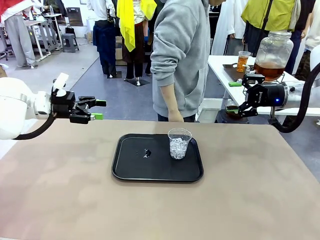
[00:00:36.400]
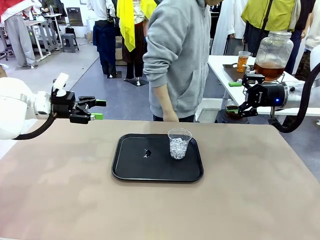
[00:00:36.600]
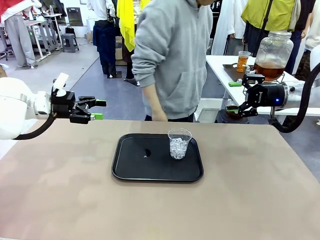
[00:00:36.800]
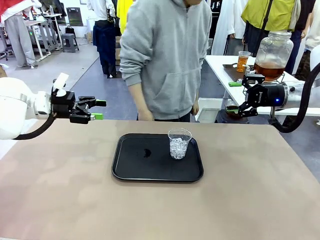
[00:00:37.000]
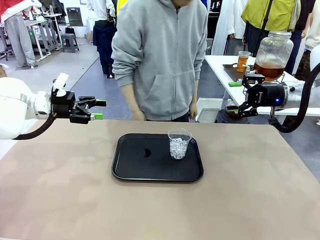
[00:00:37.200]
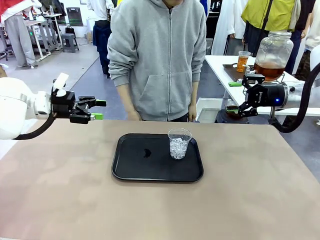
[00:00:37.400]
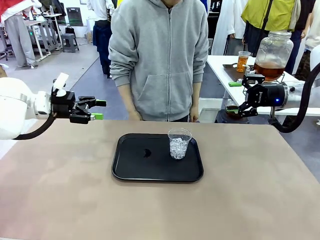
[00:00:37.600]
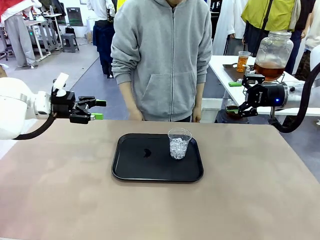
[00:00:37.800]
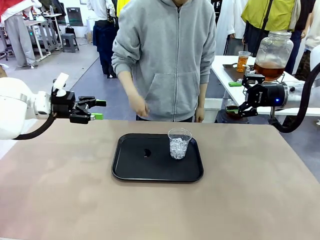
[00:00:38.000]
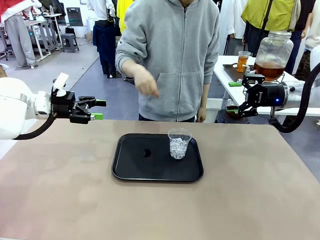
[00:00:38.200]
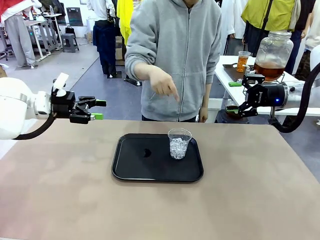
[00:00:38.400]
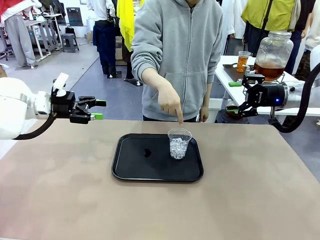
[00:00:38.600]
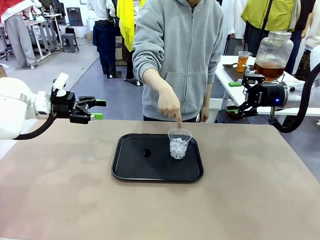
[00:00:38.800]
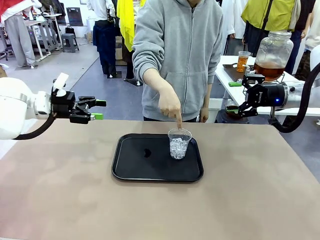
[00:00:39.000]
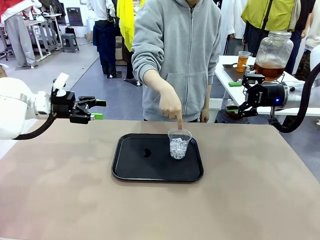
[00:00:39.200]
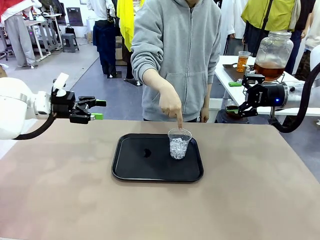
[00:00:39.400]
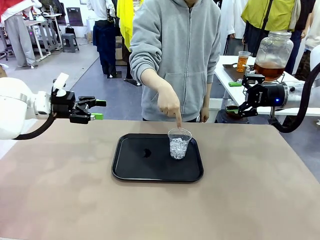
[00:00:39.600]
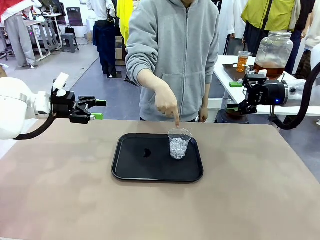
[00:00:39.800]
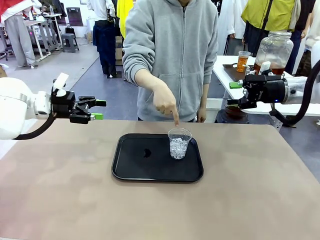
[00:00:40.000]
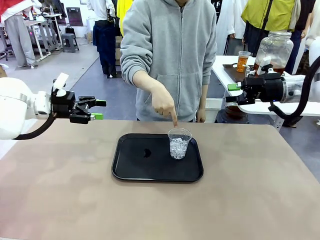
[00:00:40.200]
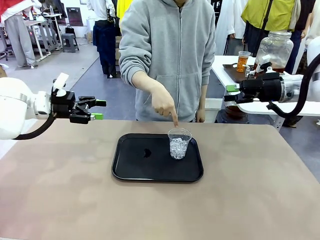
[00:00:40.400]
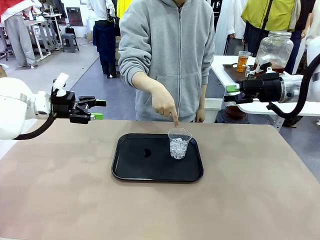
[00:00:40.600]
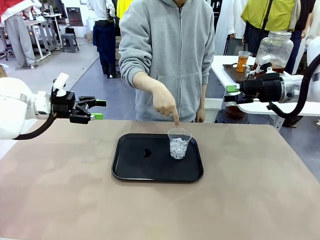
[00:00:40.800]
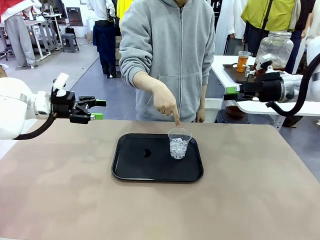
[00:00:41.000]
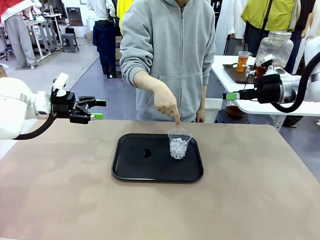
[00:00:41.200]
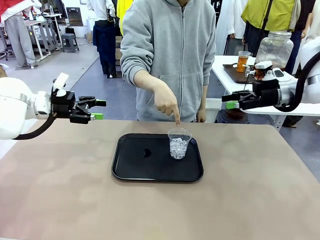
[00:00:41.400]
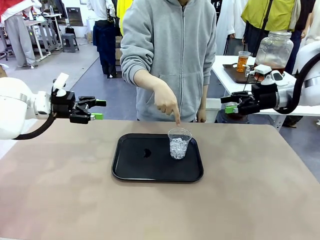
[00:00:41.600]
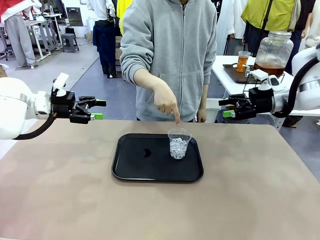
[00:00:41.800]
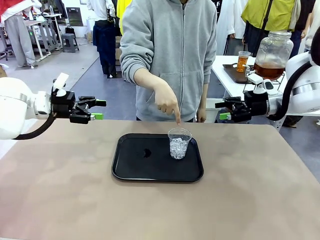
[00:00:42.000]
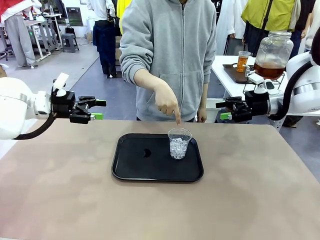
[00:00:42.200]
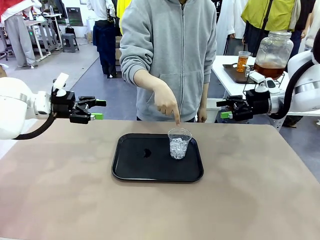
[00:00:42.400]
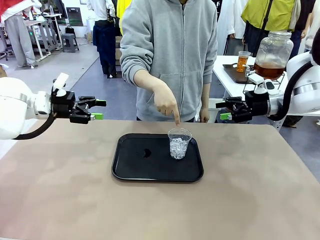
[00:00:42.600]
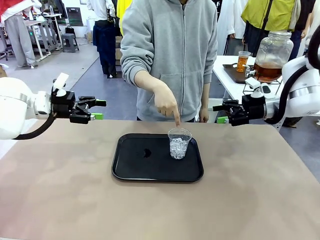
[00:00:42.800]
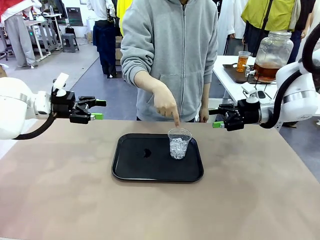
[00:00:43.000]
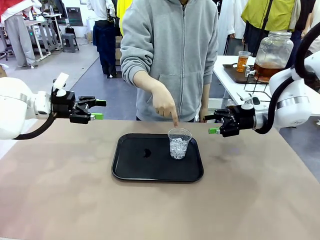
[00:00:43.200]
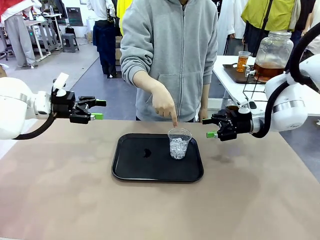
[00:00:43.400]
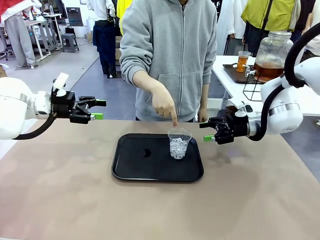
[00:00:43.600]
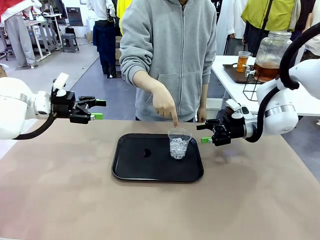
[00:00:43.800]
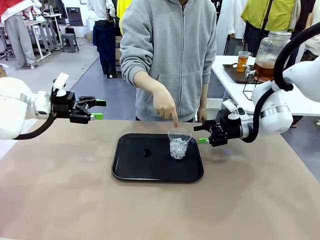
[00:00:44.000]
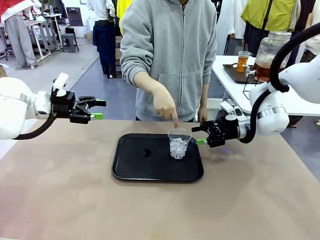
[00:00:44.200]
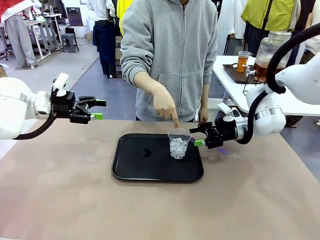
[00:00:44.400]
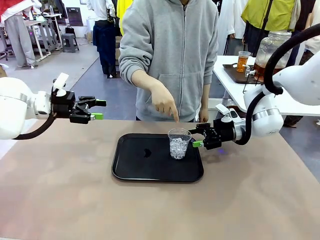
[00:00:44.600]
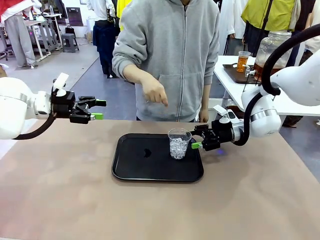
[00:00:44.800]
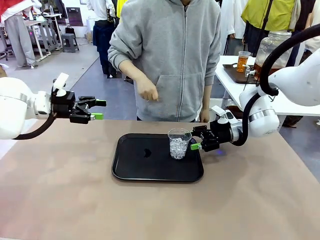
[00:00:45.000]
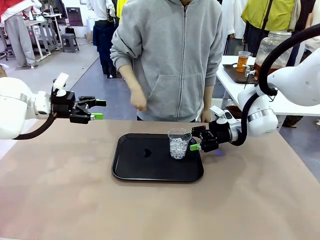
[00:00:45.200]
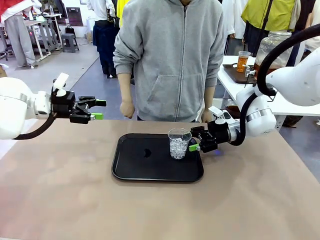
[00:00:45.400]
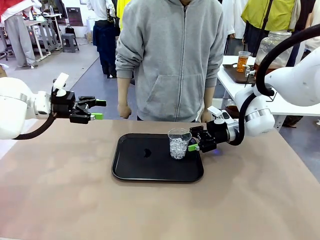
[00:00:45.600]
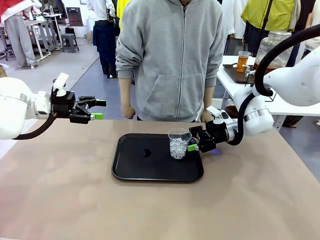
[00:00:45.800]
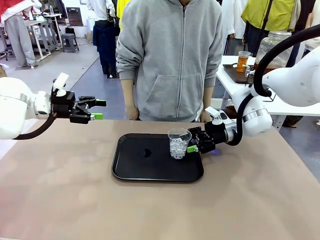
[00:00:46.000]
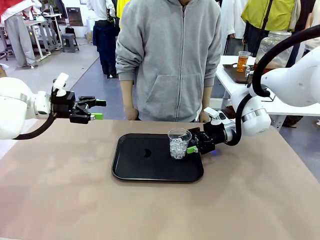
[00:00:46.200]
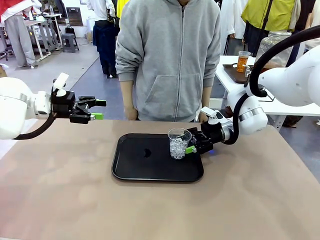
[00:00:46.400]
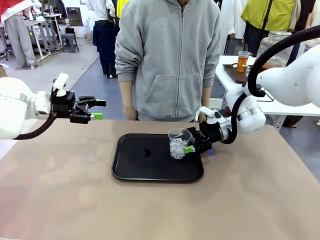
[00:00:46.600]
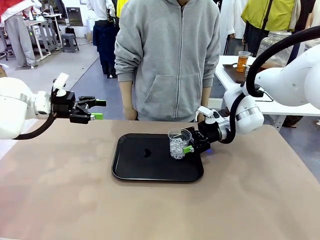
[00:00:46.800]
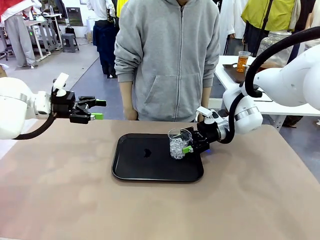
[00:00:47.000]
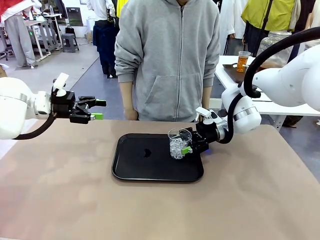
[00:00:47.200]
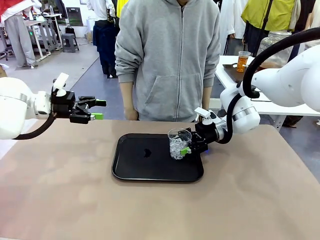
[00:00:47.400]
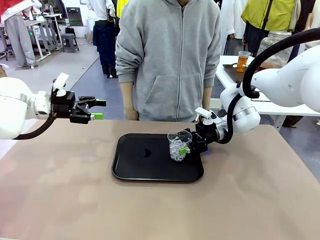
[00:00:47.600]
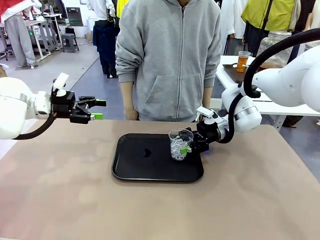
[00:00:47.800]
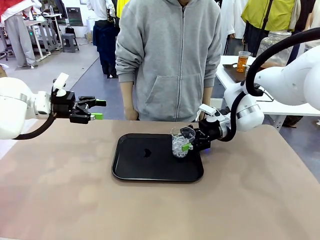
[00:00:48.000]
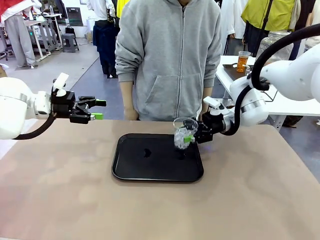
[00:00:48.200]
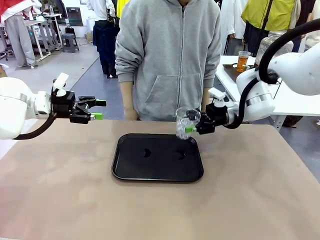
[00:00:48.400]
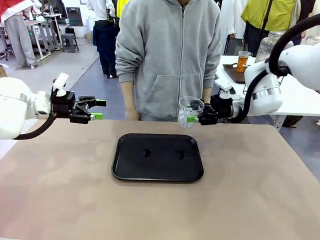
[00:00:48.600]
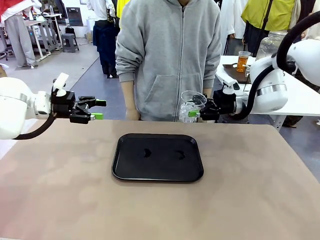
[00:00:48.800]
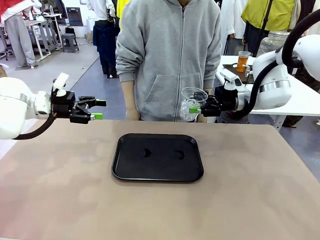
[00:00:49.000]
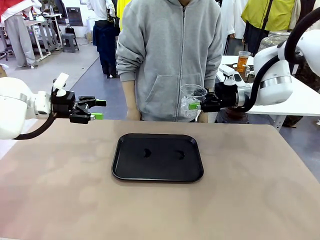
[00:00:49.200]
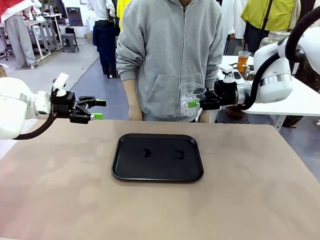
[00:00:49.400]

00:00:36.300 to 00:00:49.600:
Task: Pour the drink into the iced cup.
Robot: Pick up the iced cup indicated by the human and present it to them.
Person: Point to the remaining ice cup on the robot table. Pick up the cup offered by the robot.
